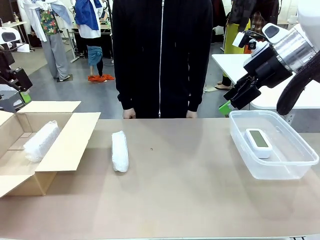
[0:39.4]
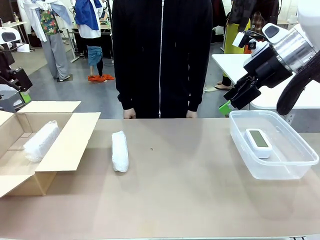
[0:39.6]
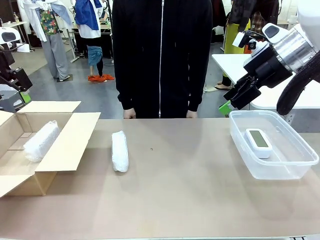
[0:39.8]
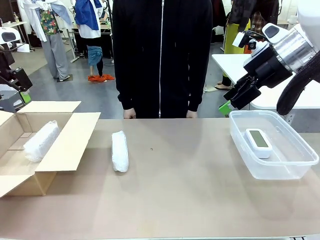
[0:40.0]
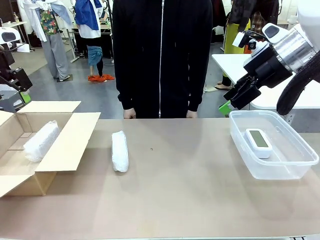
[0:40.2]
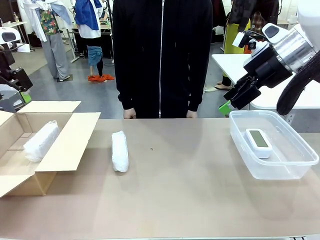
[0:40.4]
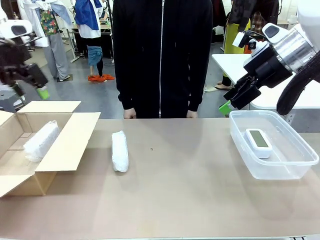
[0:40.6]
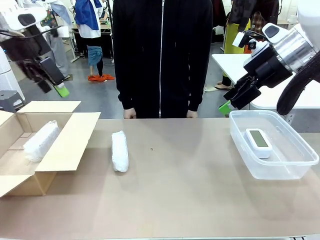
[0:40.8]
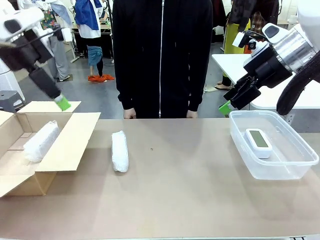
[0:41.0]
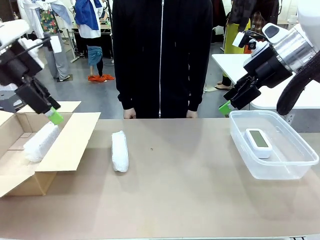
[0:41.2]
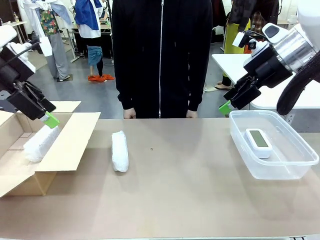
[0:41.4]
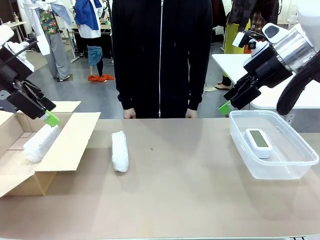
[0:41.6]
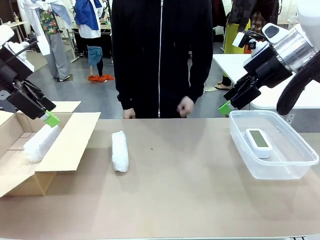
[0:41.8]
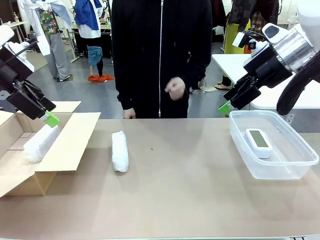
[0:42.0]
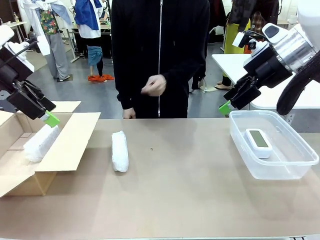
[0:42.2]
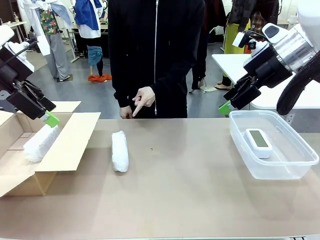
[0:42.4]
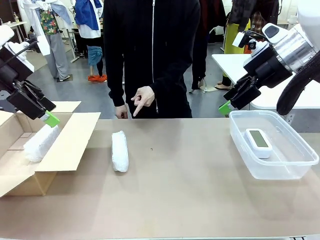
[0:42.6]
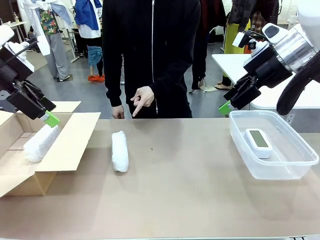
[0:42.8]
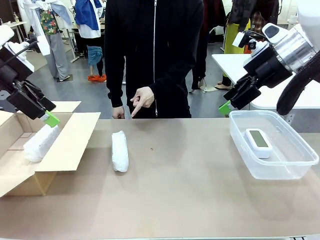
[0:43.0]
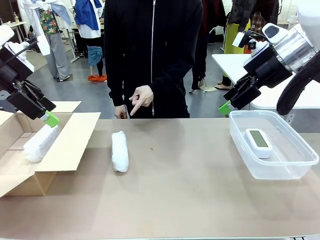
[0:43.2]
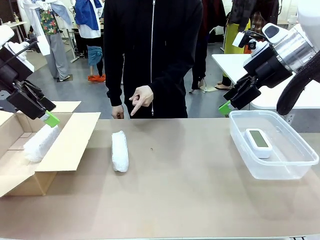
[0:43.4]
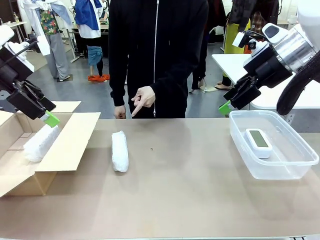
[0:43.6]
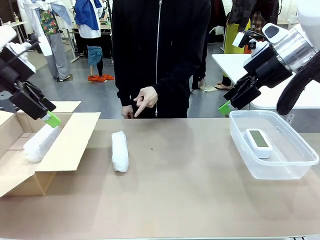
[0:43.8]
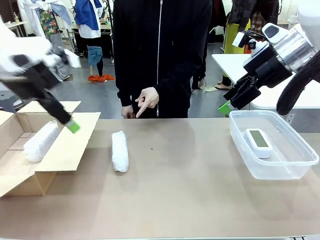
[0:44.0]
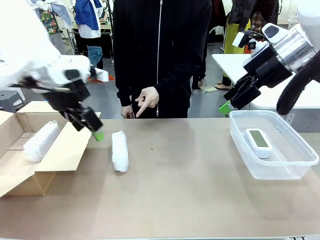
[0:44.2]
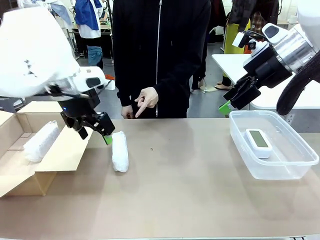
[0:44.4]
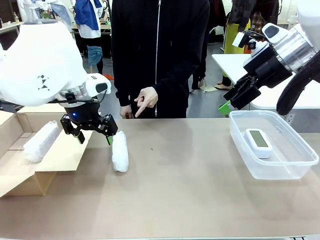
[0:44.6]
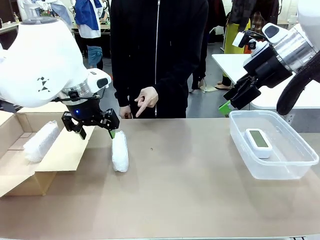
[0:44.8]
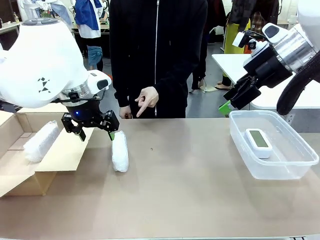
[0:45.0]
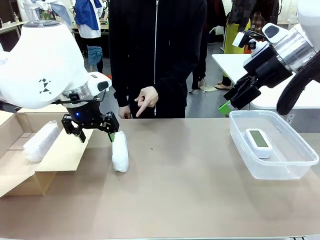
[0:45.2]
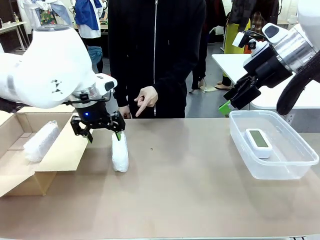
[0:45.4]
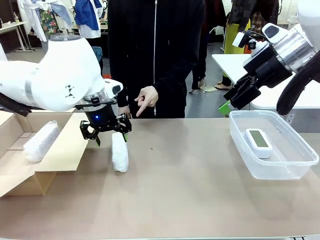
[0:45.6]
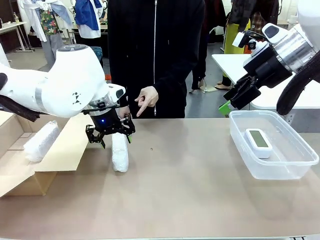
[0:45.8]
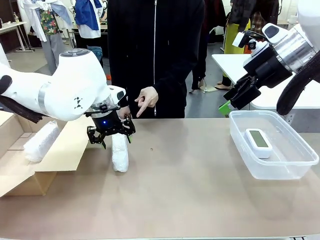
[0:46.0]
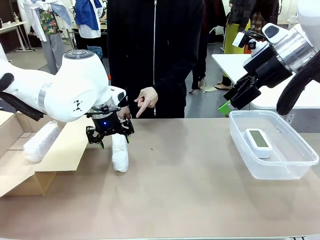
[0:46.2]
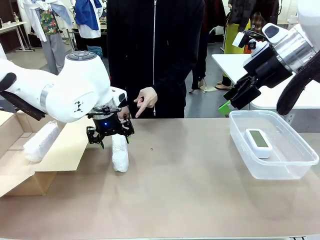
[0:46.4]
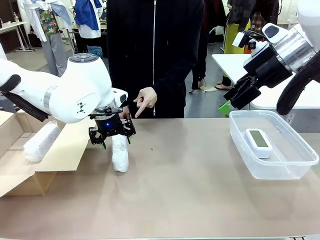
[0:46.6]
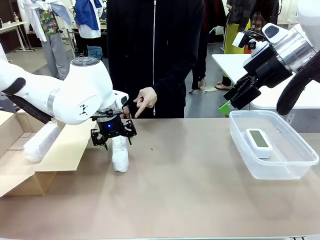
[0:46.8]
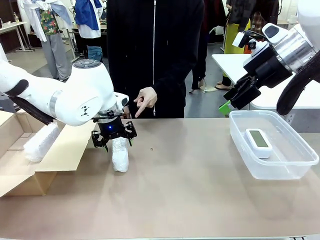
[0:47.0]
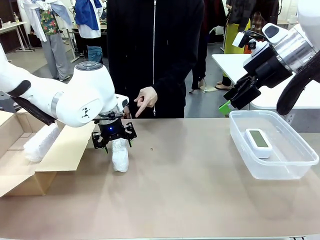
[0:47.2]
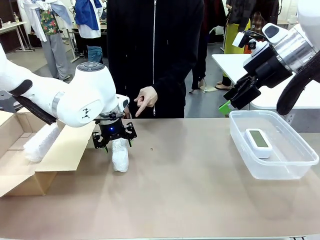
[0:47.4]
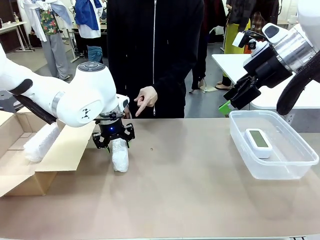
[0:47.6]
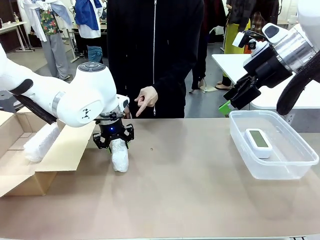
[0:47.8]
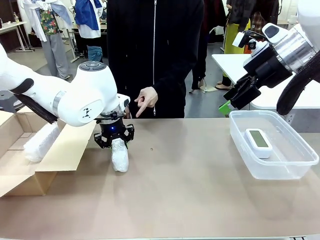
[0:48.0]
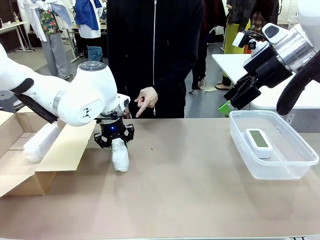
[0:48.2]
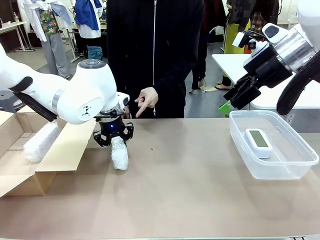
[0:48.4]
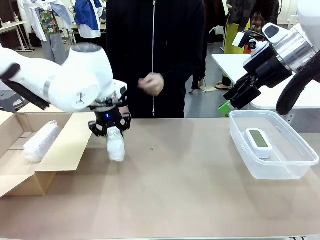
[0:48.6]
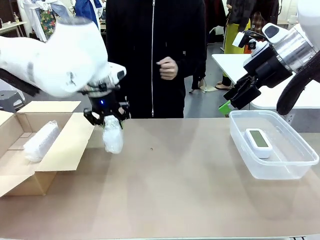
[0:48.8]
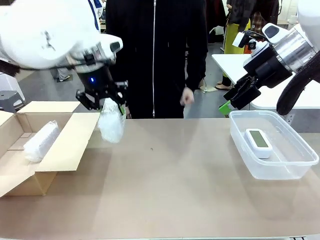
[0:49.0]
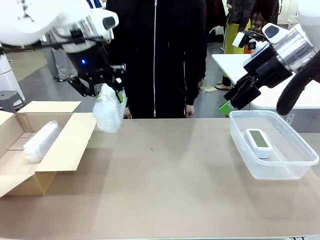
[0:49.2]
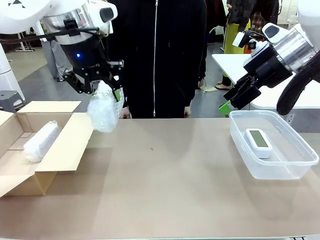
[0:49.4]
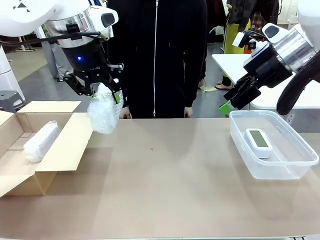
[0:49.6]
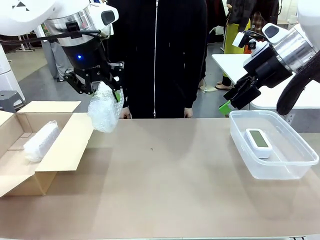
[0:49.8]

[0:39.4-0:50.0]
Task: Separate and place wrapped and unwrapped clocks.
Robot: Pick up the Digital clock indicated by the person.

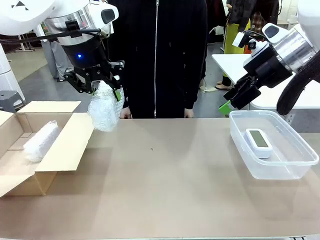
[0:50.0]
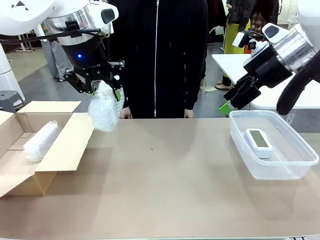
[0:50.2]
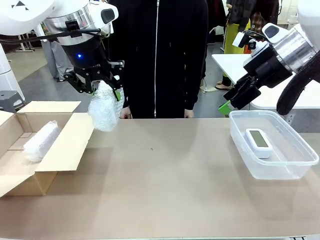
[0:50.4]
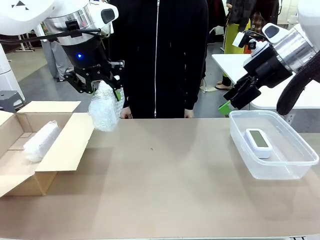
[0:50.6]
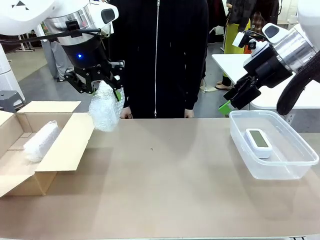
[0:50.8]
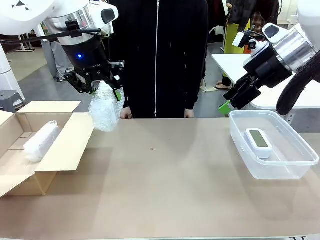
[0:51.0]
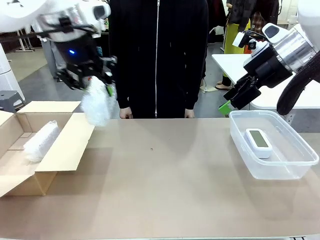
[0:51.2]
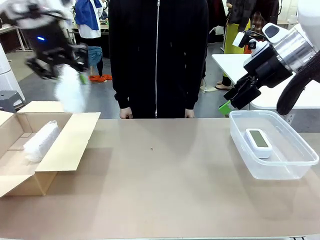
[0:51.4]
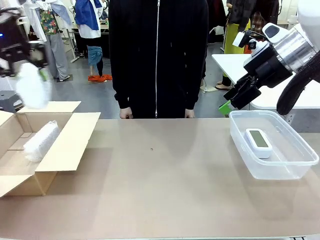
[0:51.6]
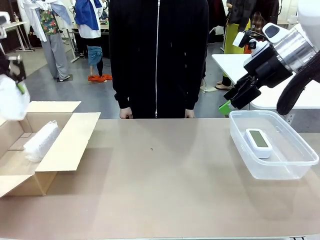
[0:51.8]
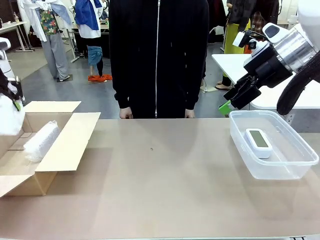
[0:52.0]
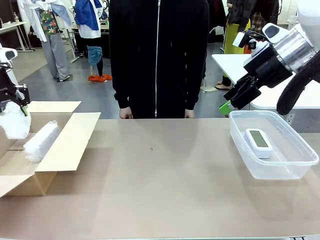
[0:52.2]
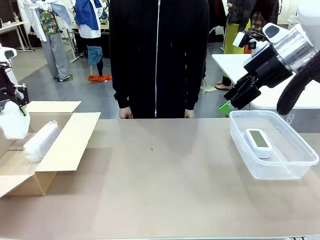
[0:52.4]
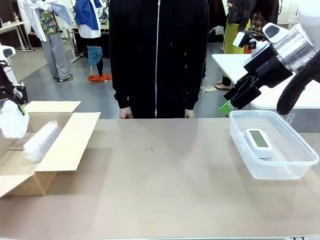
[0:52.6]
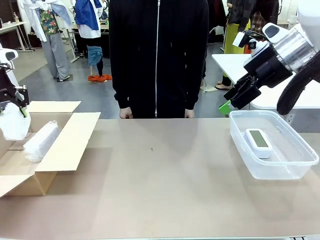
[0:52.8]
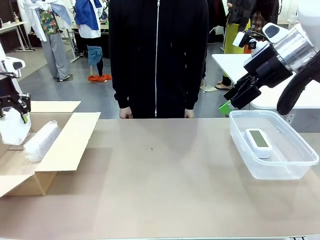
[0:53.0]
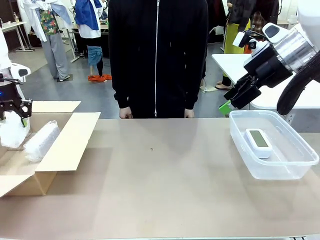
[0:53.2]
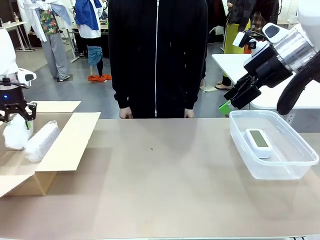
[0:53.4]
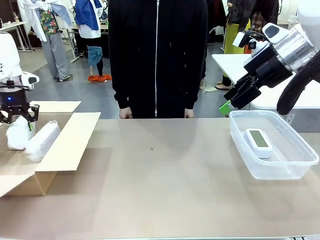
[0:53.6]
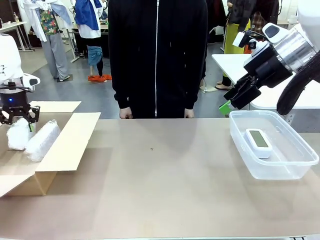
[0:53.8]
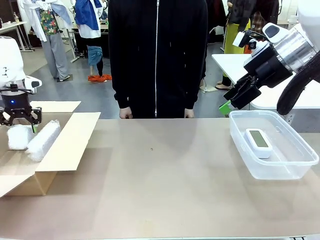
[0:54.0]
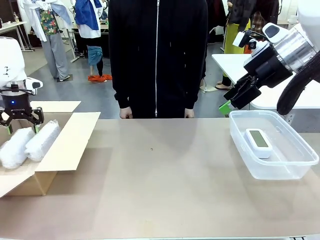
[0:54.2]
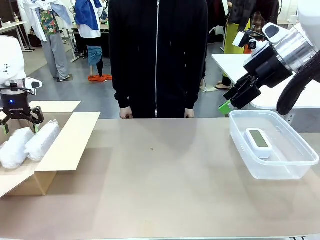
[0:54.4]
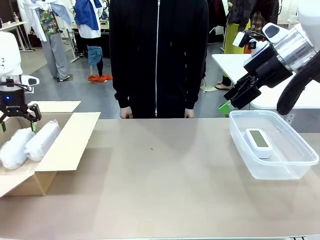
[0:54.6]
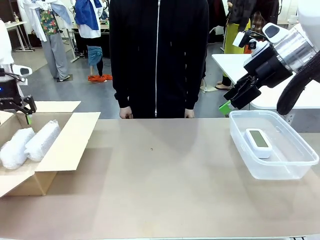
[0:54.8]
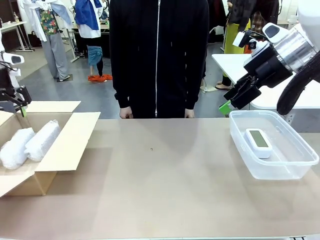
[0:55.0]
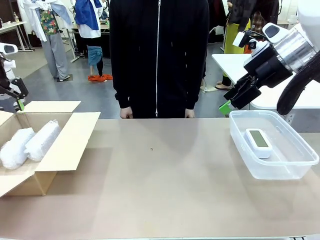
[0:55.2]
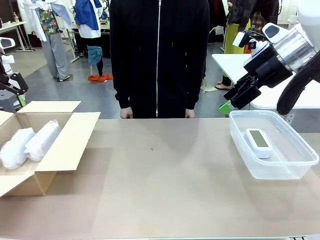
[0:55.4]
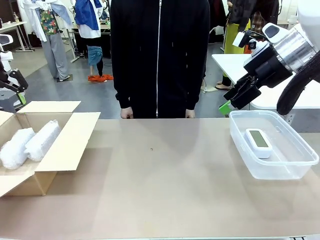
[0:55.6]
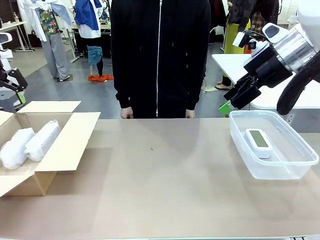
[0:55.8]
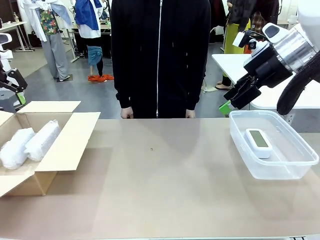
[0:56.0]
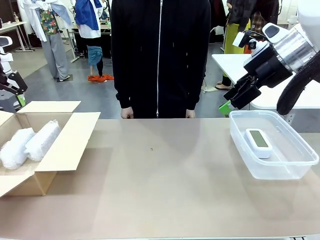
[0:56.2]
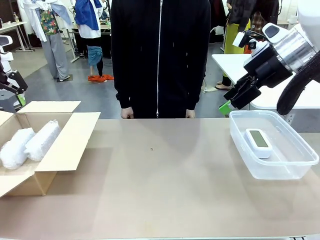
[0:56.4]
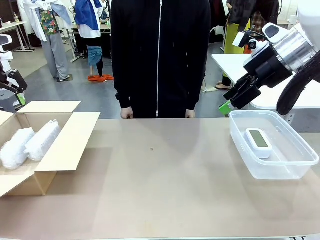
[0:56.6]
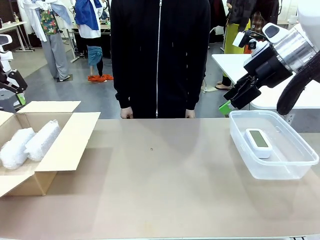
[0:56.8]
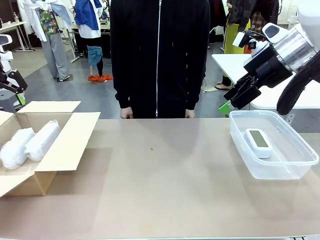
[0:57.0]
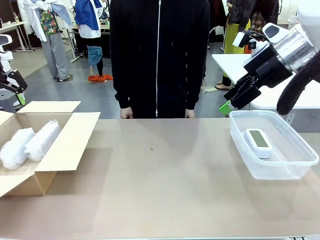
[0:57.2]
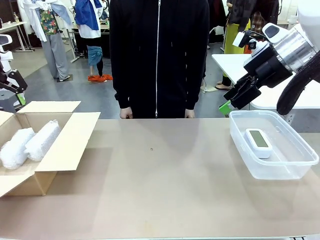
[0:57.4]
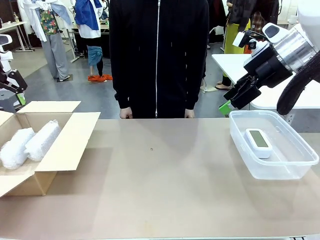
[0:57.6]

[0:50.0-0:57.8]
Robot: If the picked Digital clock is wrapped, place it in the Package Box ; if not, place it in the Organizing box.
